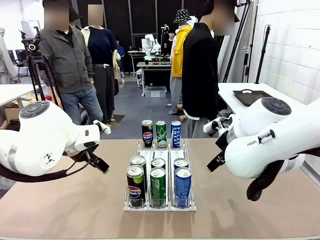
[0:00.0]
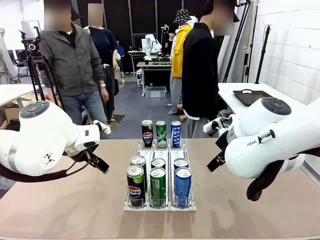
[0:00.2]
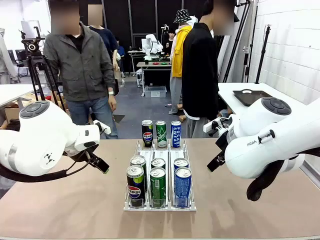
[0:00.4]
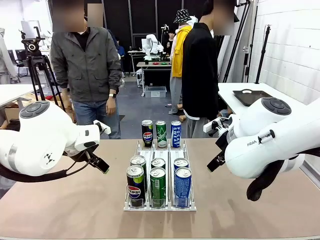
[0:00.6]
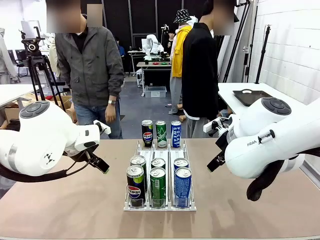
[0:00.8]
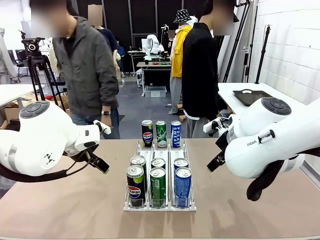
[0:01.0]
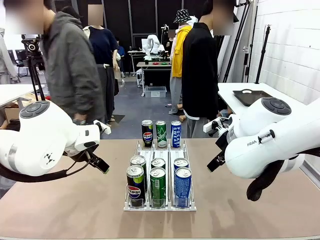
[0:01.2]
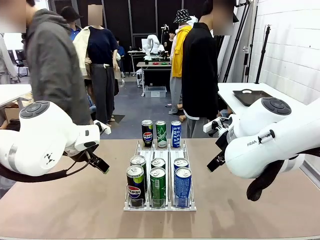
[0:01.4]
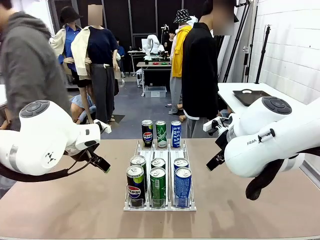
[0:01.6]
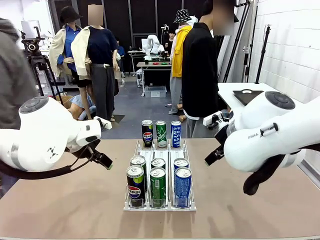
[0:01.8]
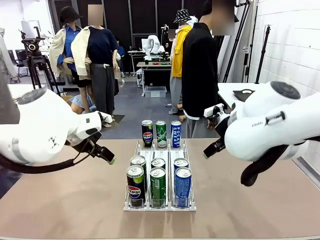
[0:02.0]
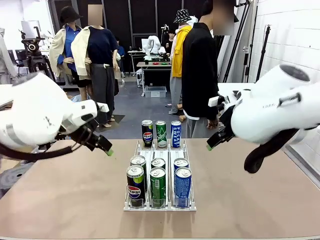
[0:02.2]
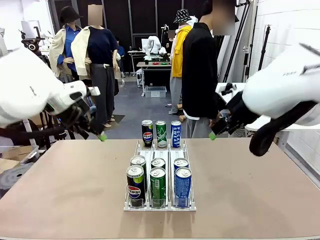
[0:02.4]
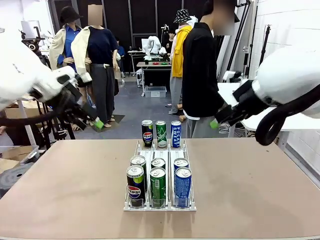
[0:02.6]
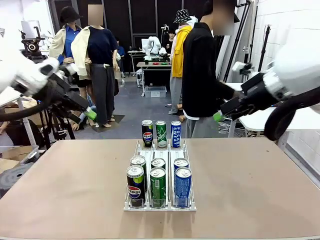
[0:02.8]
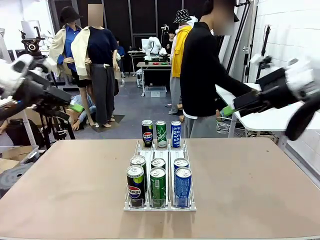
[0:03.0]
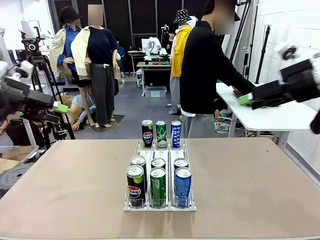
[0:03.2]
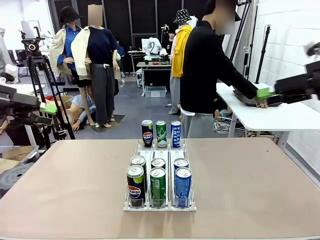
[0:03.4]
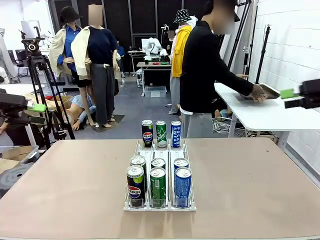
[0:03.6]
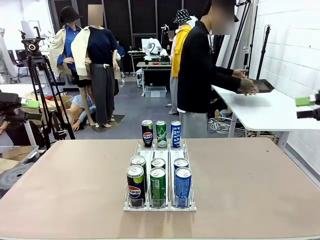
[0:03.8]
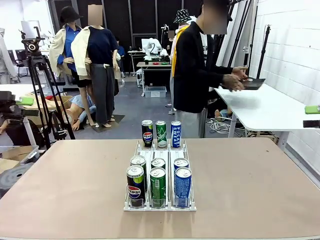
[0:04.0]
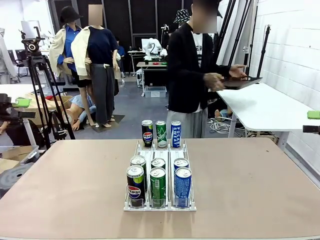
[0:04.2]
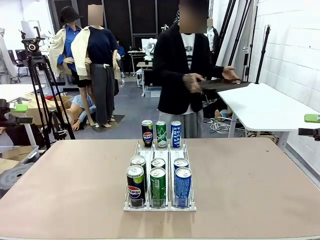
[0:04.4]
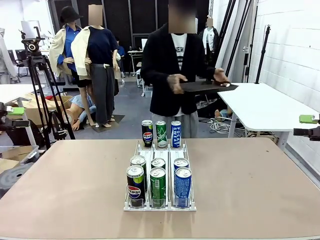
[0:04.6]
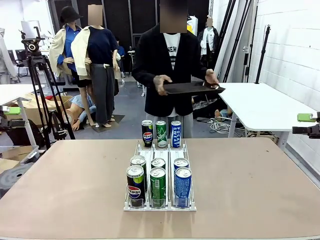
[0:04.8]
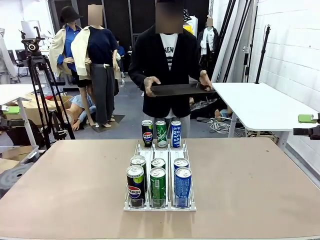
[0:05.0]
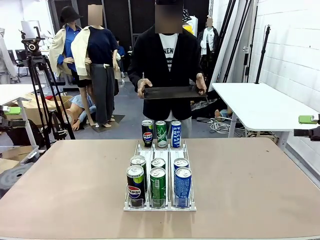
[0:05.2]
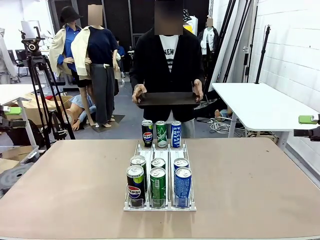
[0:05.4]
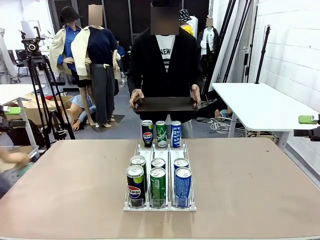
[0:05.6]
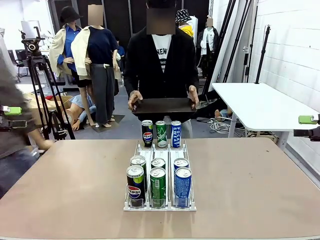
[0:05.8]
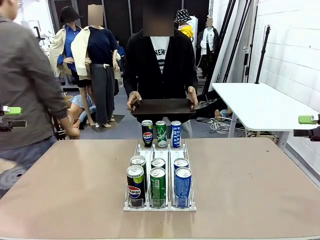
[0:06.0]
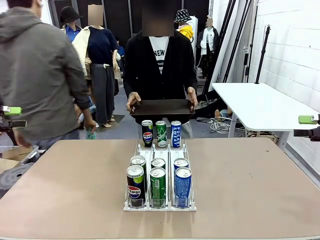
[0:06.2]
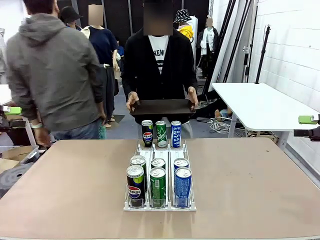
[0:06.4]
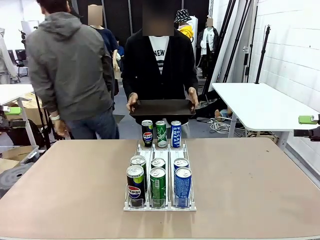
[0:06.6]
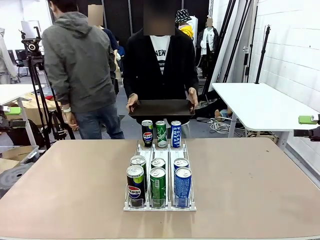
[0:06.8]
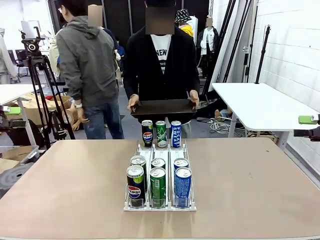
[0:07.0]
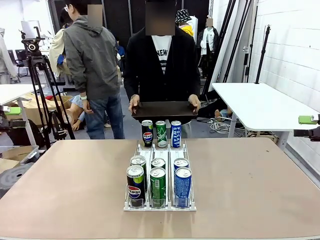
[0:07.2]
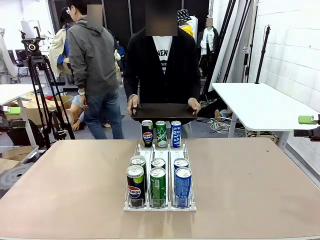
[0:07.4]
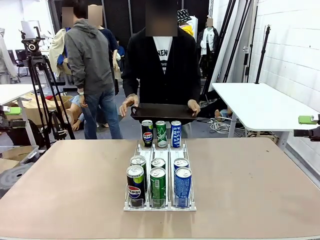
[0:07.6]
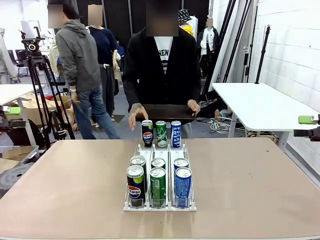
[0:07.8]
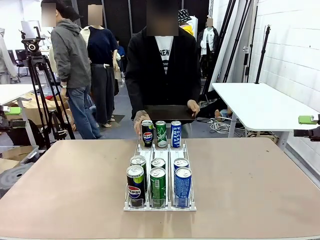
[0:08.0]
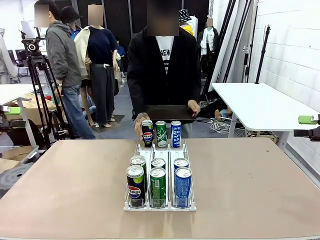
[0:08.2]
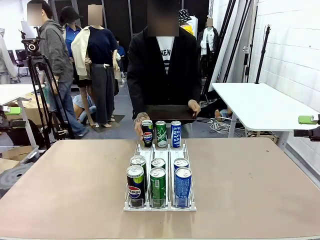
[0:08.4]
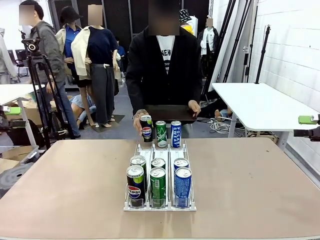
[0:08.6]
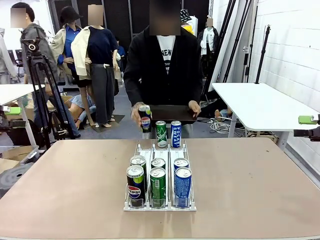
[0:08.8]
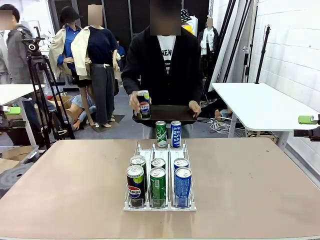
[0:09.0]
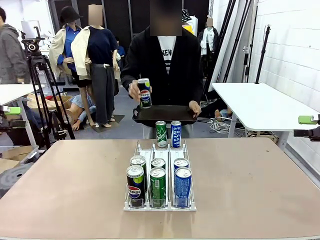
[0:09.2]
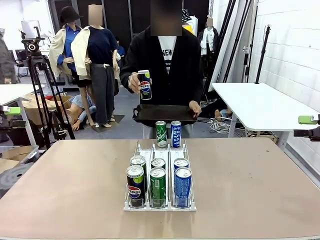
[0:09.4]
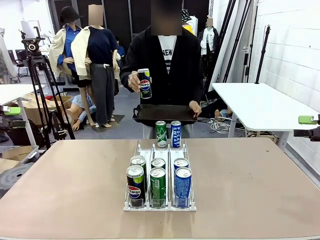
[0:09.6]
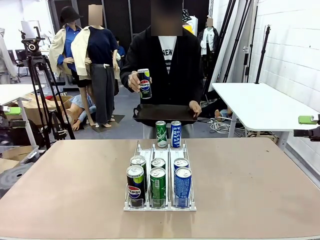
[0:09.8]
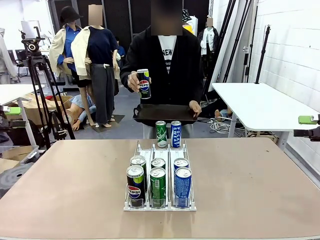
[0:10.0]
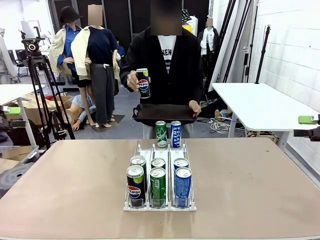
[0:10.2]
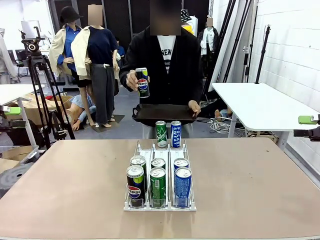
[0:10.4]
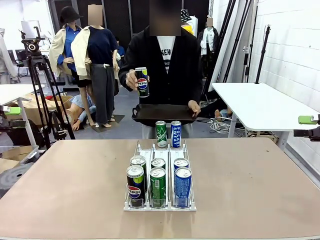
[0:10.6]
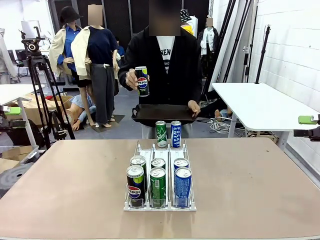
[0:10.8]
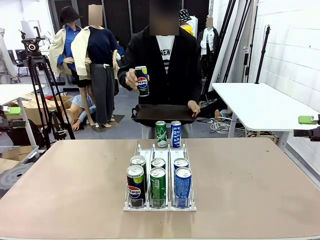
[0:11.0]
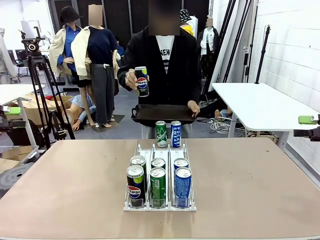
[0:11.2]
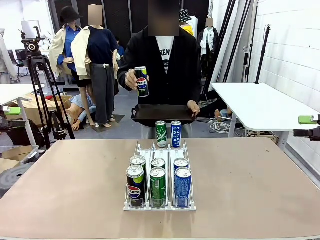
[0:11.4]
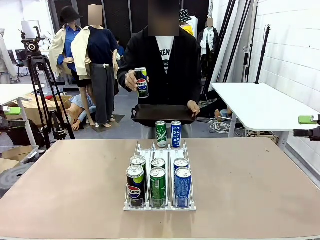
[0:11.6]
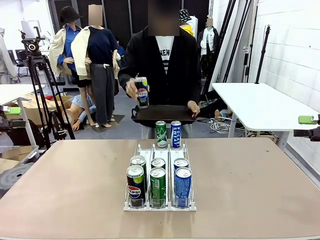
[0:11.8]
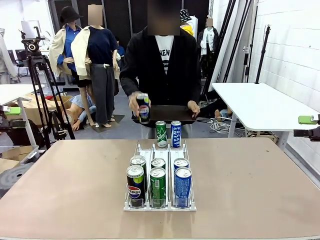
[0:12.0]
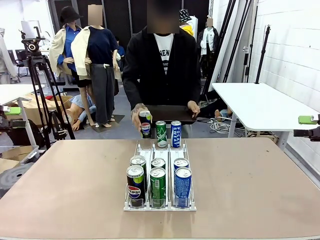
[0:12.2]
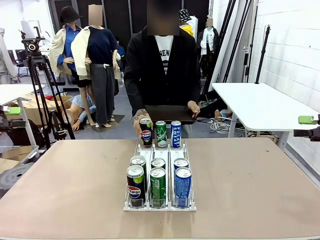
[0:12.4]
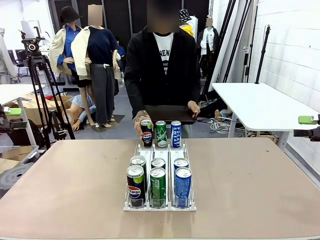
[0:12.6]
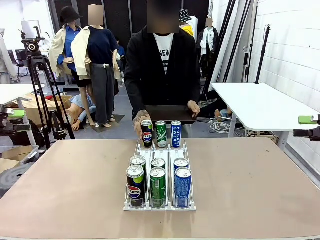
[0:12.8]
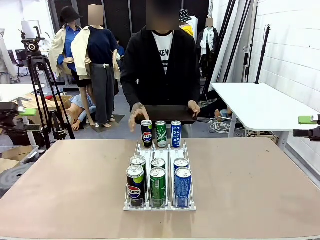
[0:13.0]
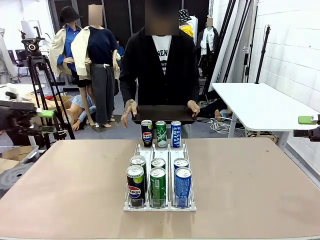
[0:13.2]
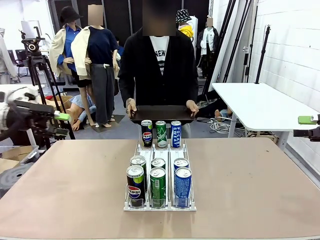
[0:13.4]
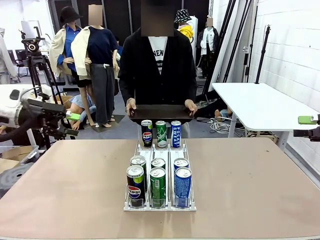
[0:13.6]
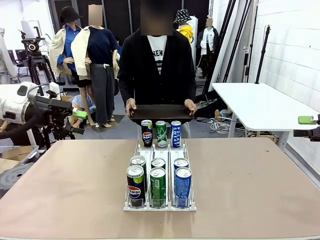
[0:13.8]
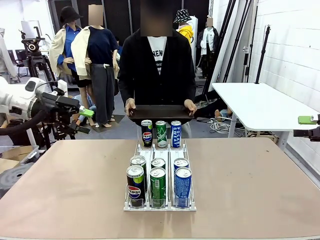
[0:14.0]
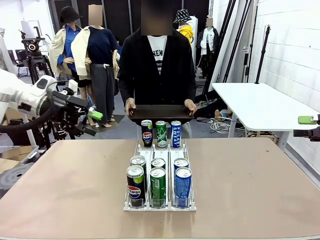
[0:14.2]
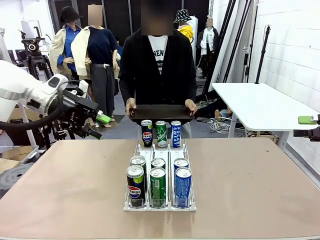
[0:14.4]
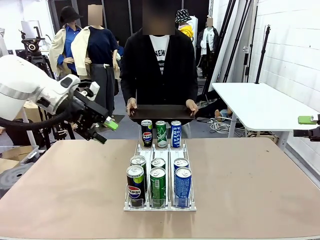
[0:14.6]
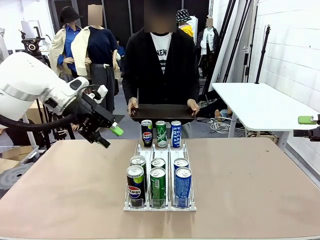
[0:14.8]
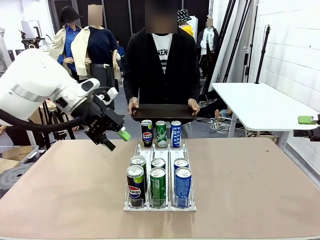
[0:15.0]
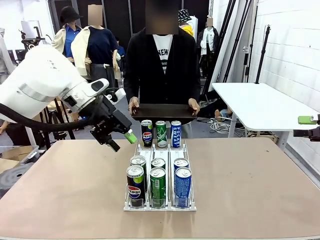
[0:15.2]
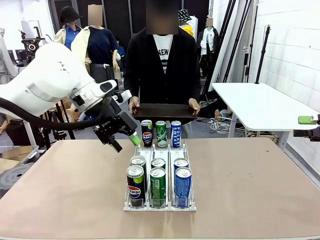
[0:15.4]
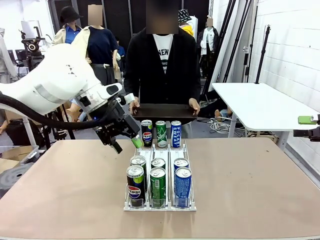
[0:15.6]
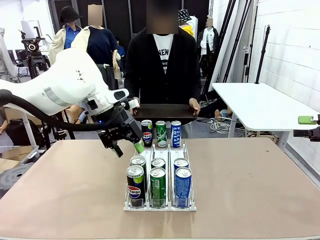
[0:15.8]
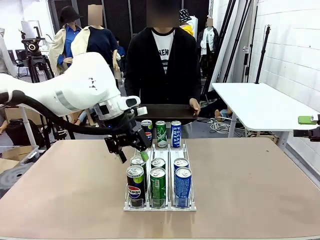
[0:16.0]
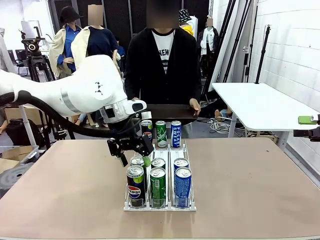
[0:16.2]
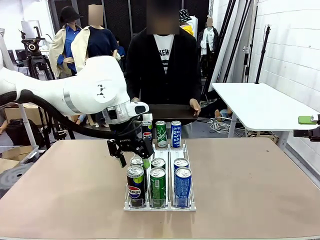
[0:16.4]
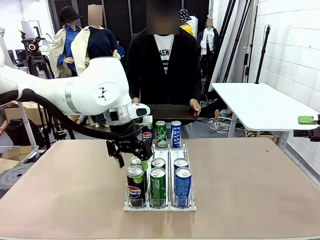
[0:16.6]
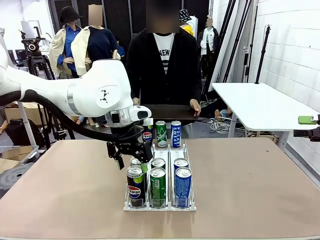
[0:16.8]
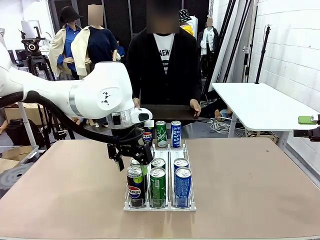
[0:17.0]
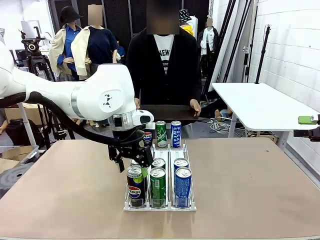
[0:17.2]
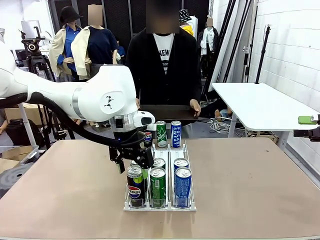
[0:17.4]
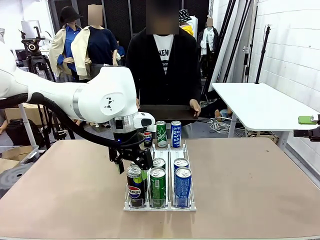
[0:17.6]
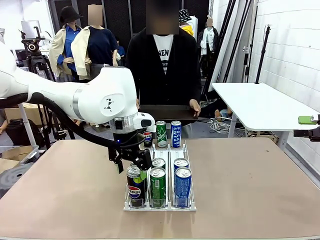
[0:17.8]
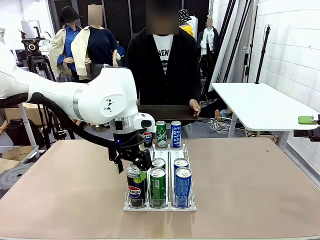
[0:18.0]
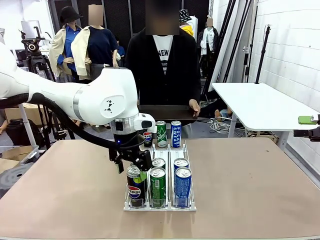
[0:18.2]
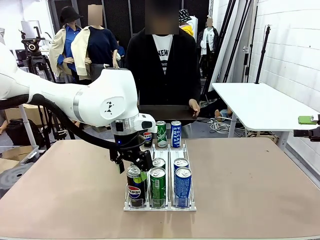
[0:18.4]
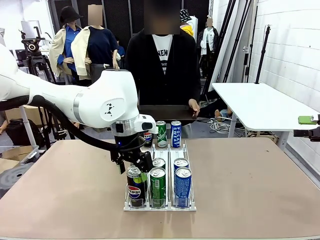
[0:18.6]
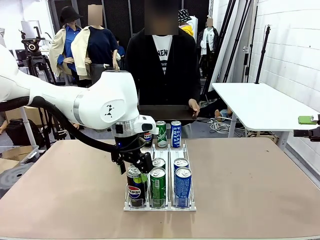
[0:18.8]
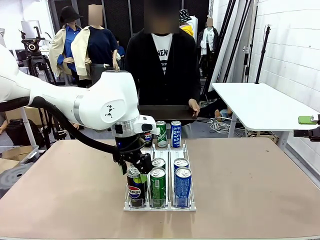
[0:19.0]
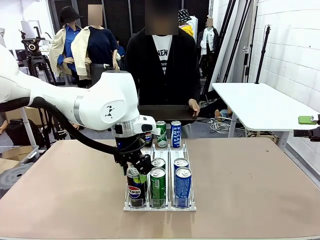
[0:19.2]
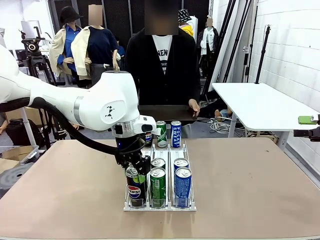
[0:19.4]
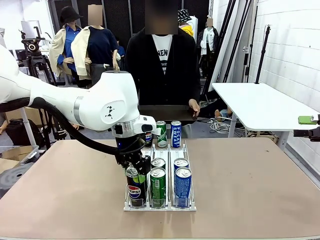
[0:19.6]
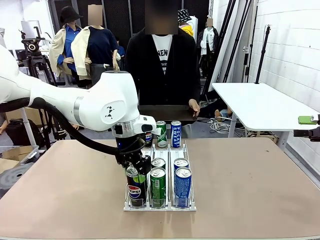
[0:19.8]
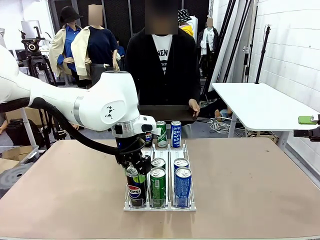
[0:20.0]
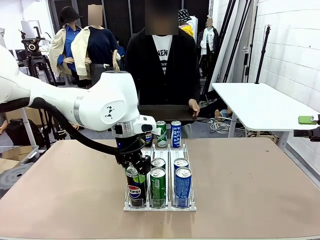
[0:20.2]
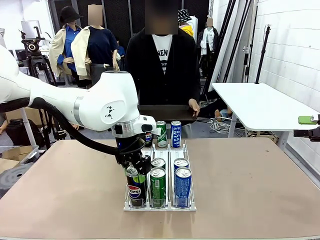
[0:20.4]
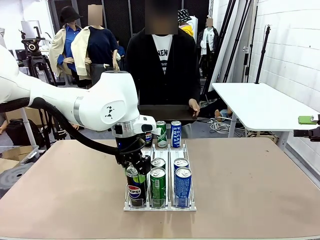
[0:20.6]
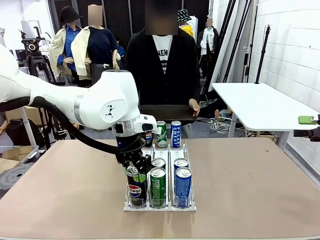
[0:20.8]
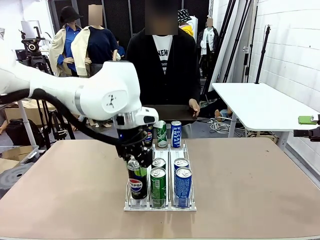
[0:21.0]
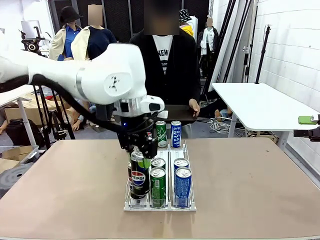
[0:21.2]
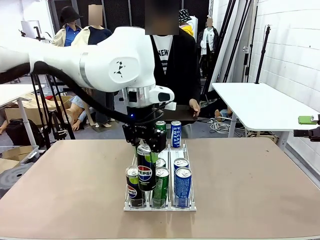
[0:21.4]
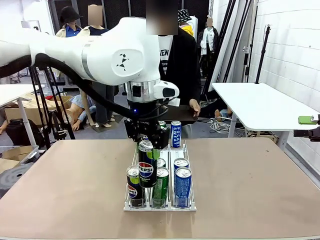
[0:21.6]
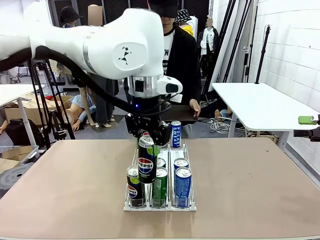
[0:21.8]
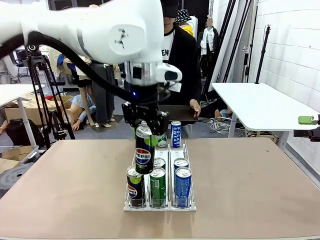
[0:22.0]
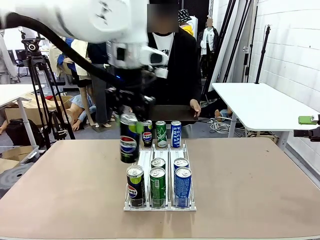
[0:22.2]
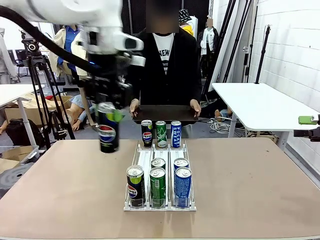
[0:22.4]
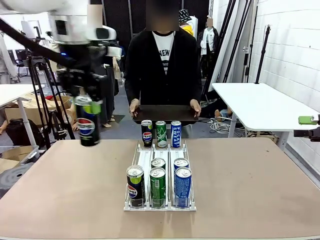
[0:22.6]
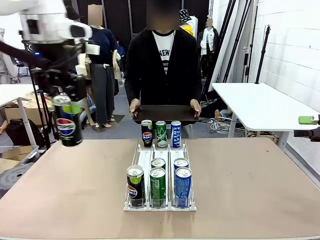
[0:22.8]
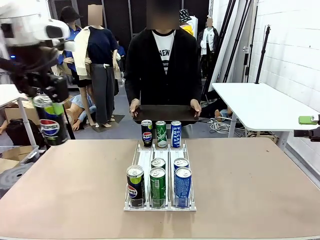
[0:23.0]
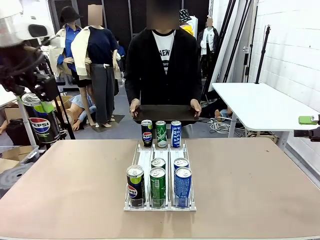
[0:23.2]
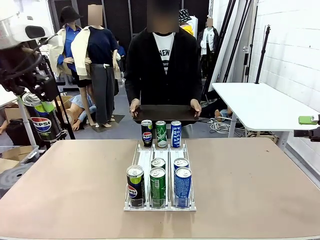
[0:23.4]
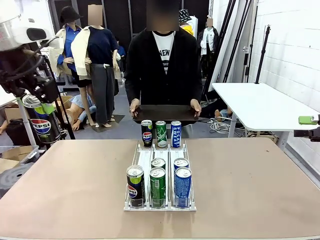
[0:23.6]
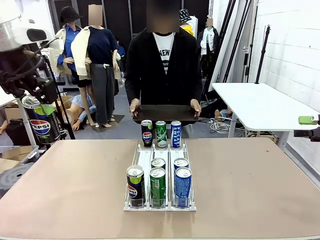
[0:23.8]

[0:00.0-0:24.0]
Task: Retrieve and hand over the desired beverage to the person.
Robot: Pick up a can of the same type that the person held from the Automatic Can Dispenser.
Person: Hold the tray and position yourself in front of the robot table. Pick up one can from the bottom area of the table and puts it back in its original place. Push the tray toward the robot.
